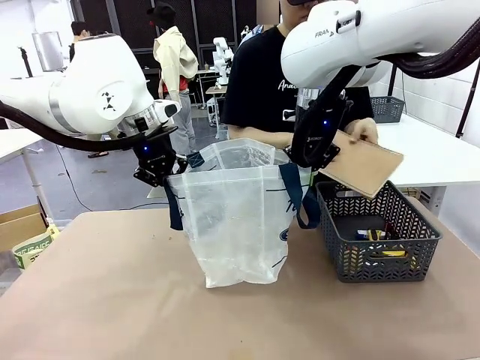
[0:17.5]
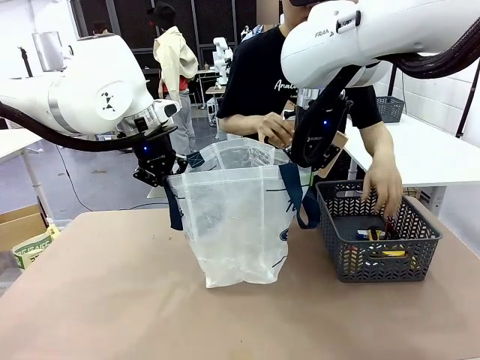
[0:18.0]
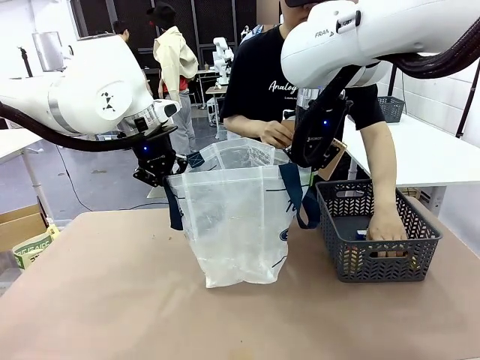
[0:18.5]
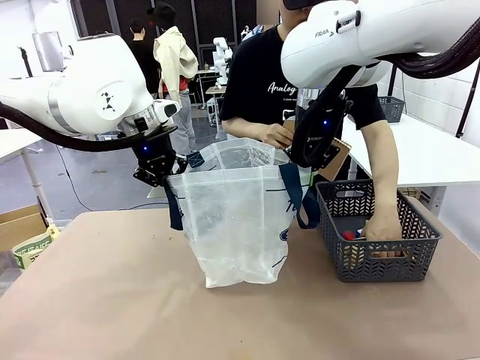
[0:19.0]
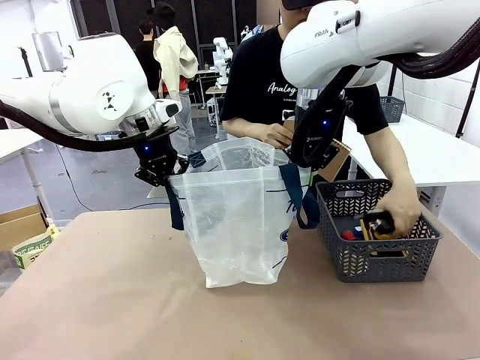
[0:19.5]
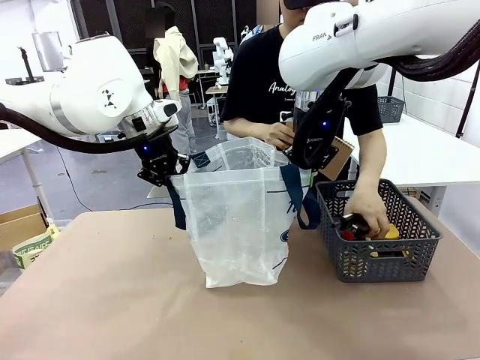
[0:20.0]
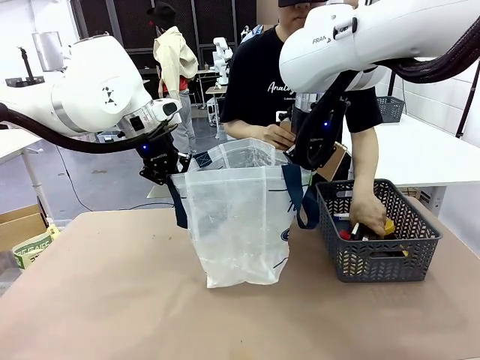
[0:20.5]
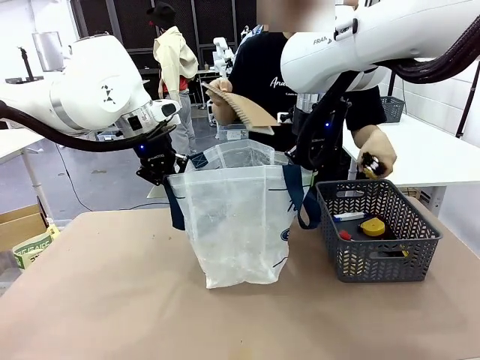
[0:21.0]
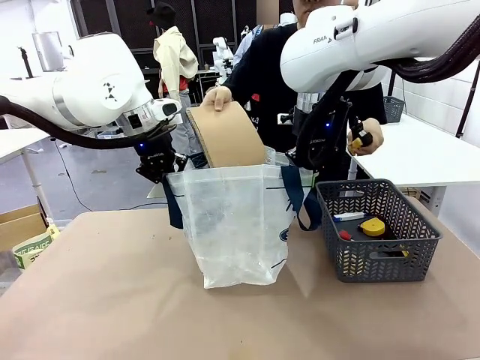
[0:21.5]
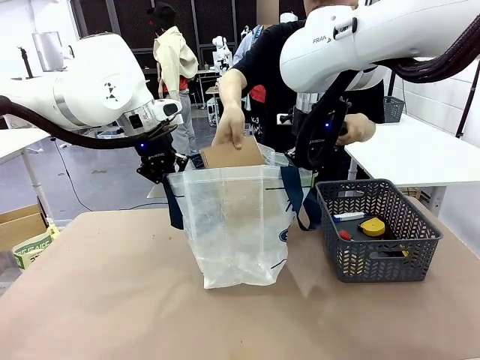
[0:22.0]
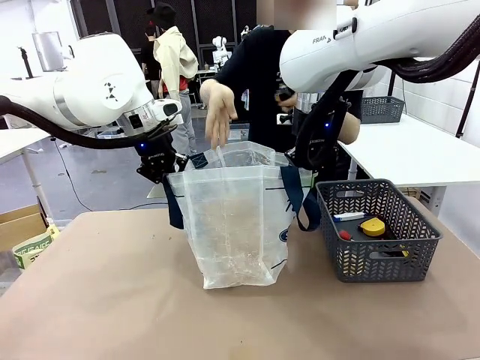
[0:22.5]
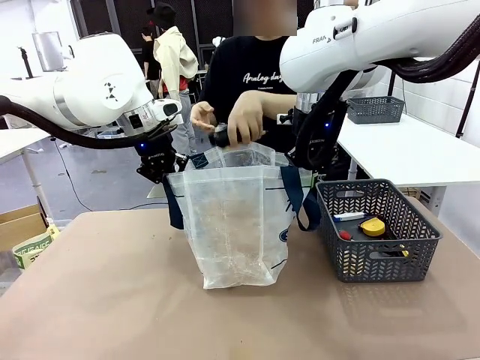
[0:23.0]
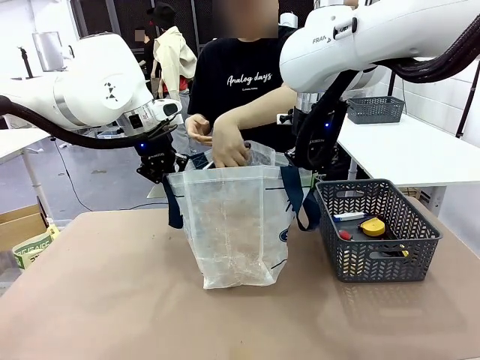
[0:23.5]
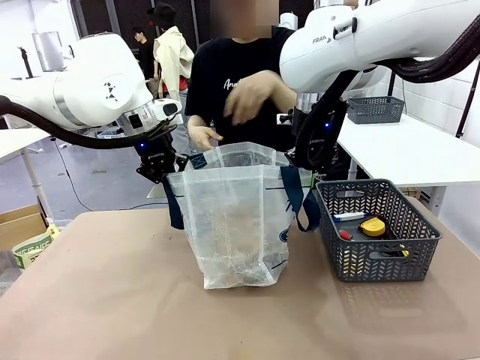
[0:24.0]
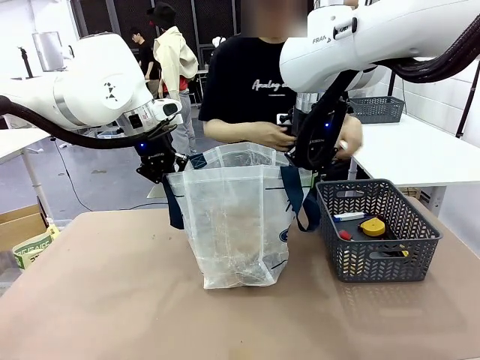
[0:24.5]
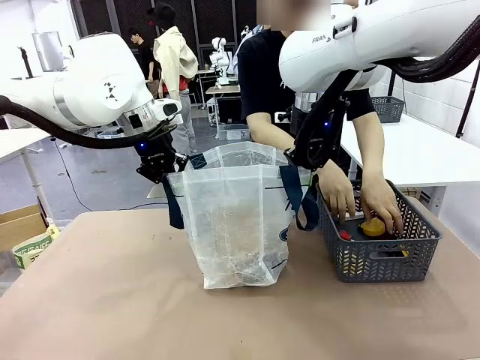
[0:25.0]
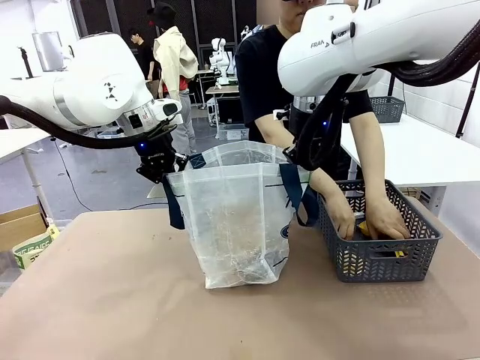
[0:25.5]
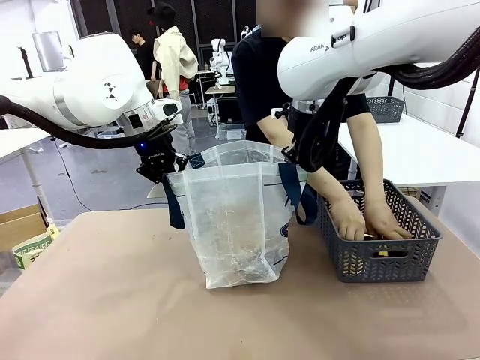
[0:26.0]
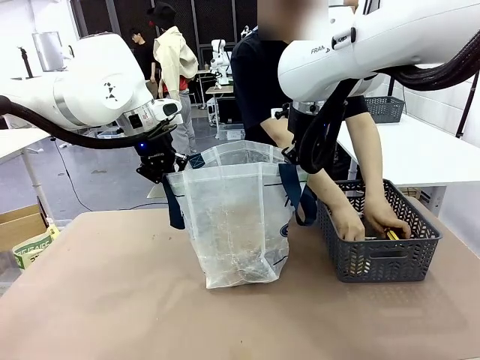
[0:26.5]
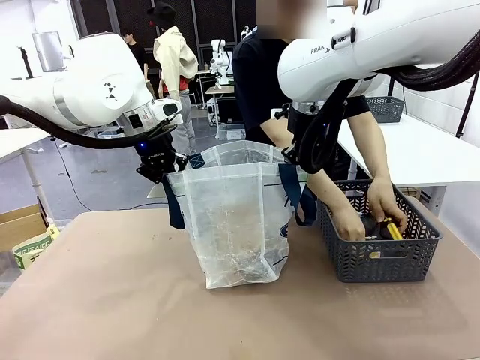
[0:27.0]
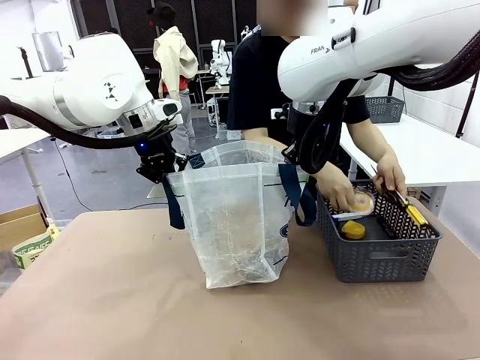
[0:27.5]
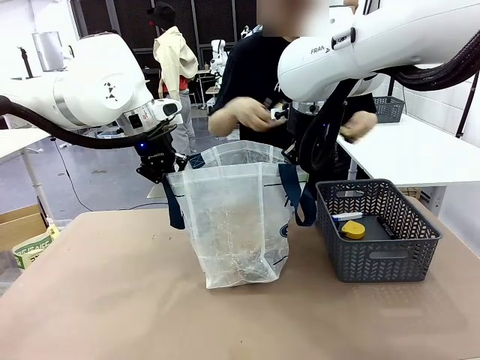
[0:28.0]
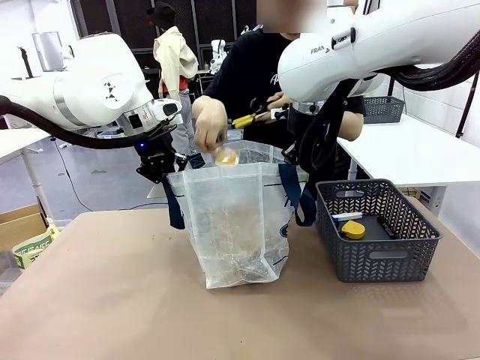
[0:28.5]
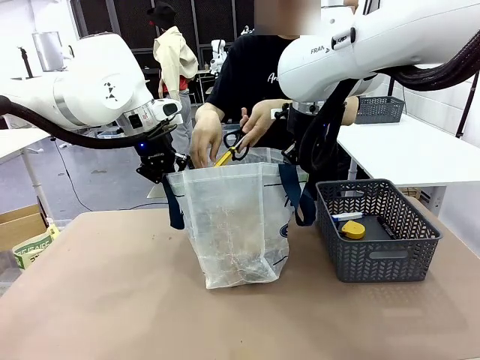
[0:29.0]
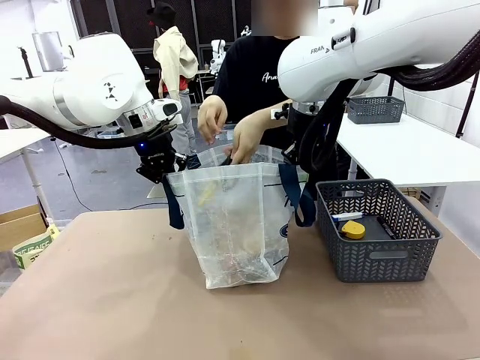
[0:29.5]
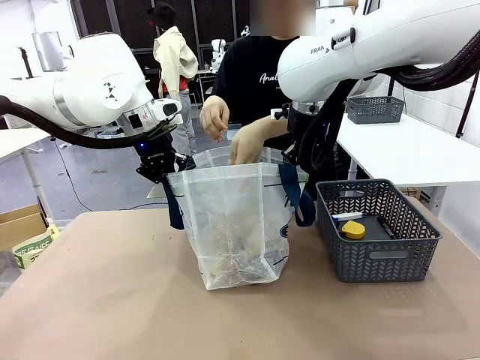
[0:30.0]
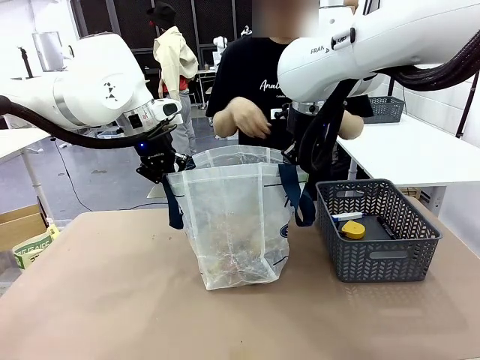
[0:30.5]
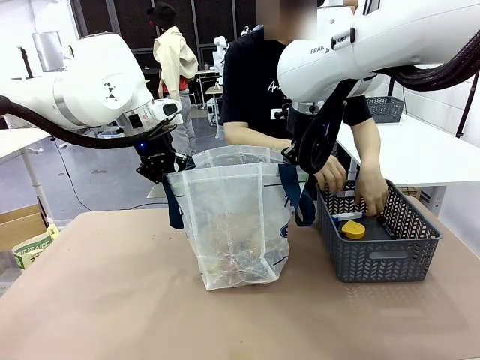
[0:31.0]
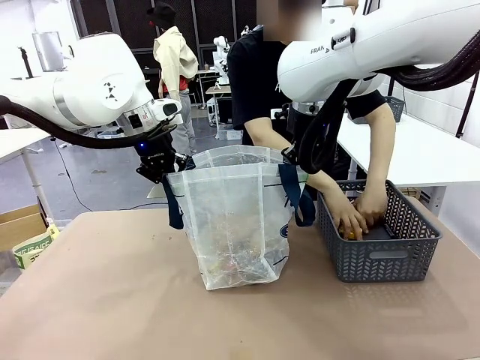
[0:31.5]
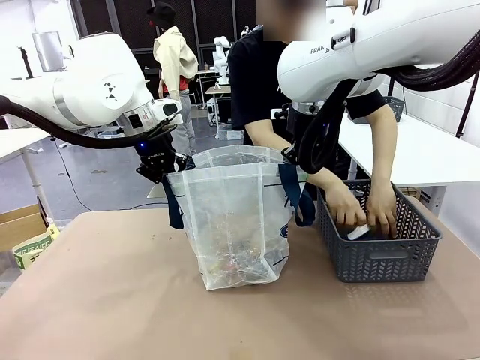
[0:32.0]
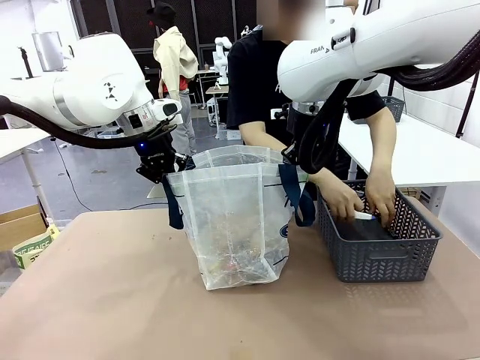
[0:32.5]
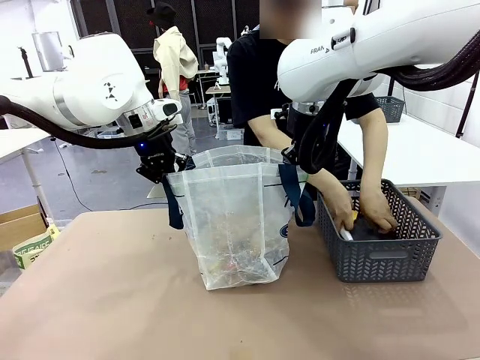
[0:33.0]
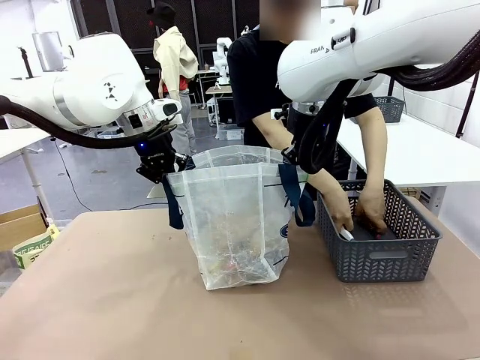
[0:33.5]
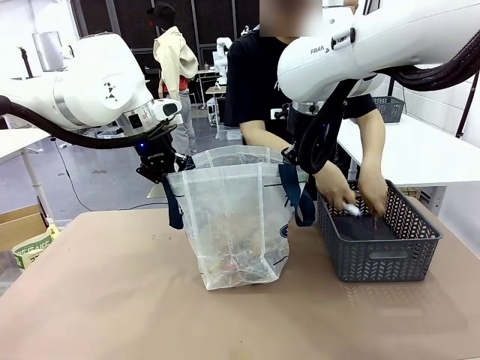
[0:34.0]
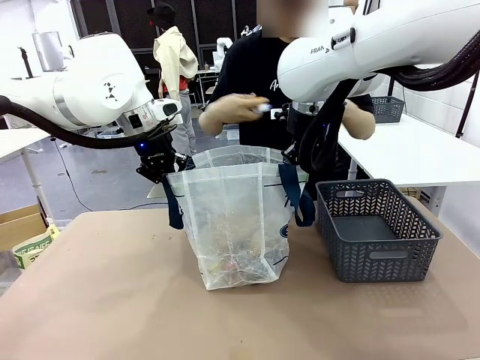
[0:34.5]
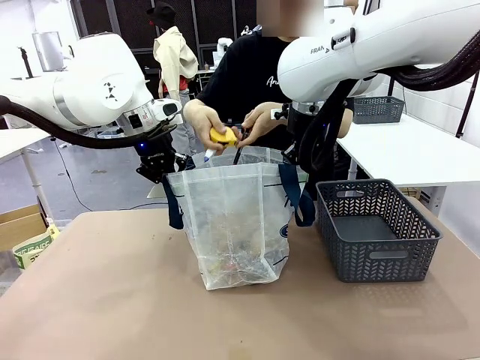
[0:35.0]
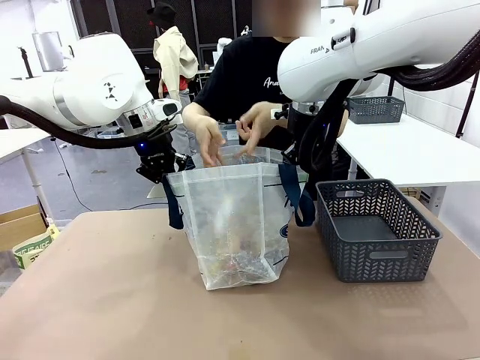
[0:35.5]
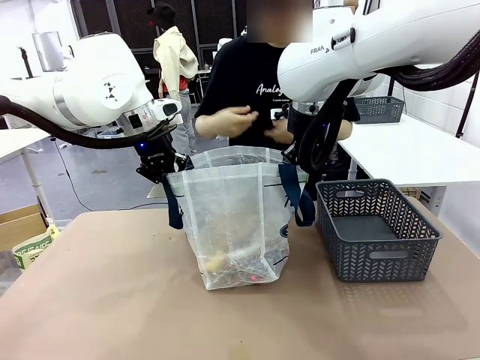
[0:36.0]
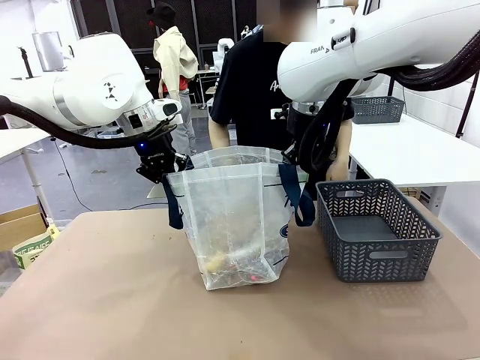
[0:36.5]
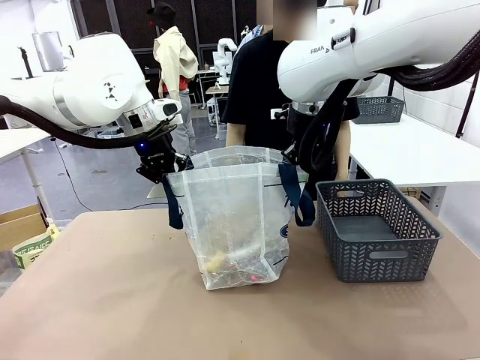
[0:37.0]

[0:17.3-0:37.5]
Task: Transfer purchased items from the store into the shopping bag.
Robot: Move the Reusable shopping bag to the right side of the table.
Person: Pick up the basket on the right, place it on the left side of the robot table, and move the items in the basket to the shopping bag.

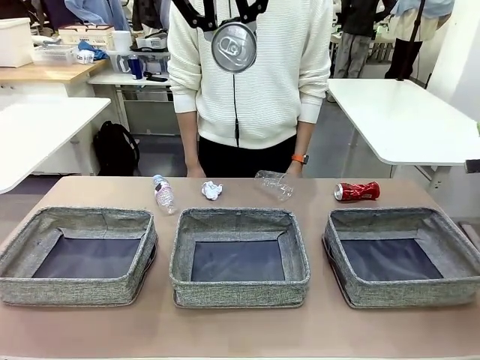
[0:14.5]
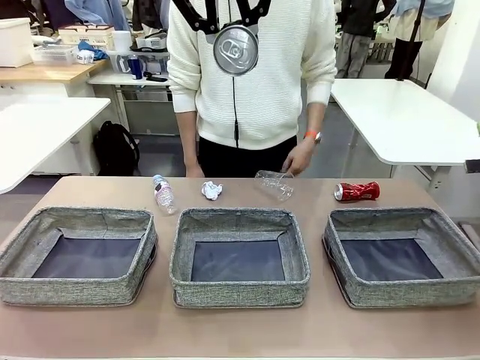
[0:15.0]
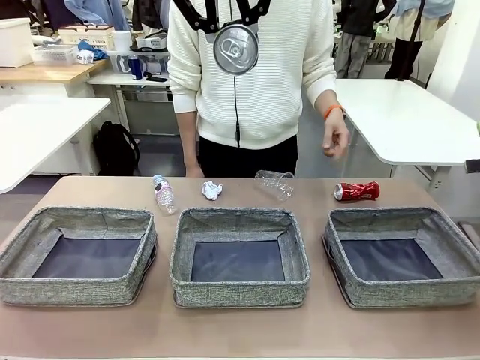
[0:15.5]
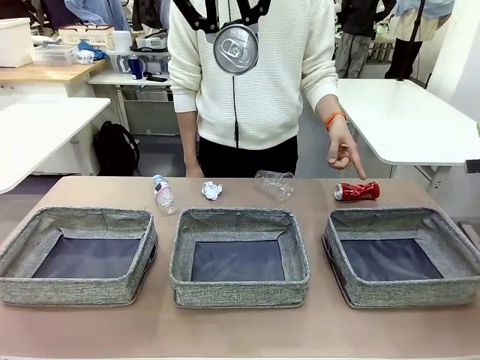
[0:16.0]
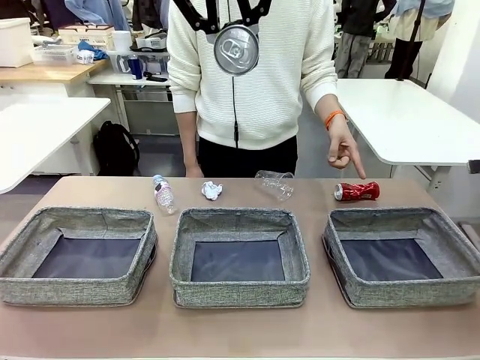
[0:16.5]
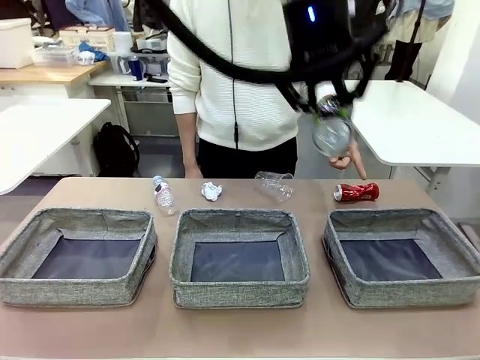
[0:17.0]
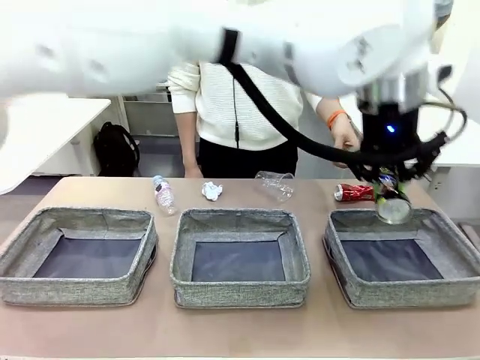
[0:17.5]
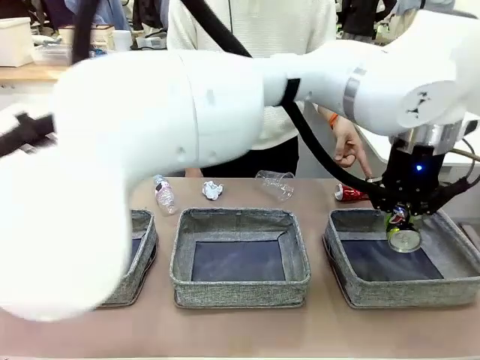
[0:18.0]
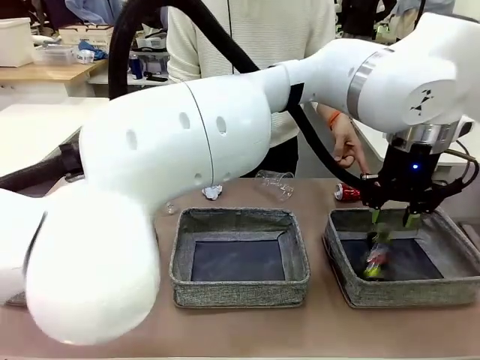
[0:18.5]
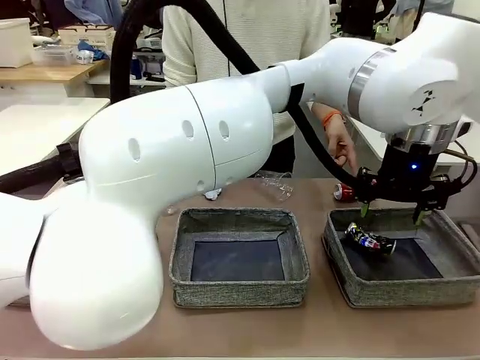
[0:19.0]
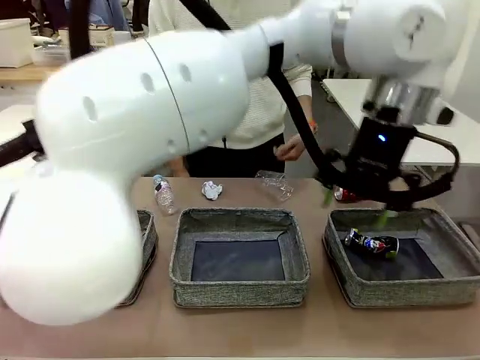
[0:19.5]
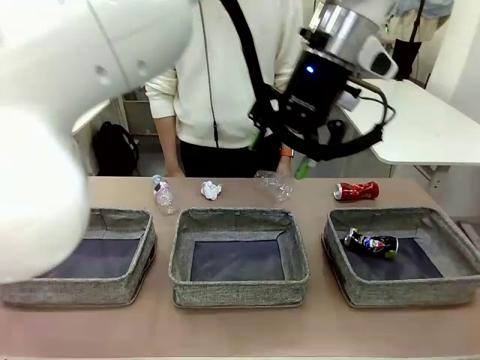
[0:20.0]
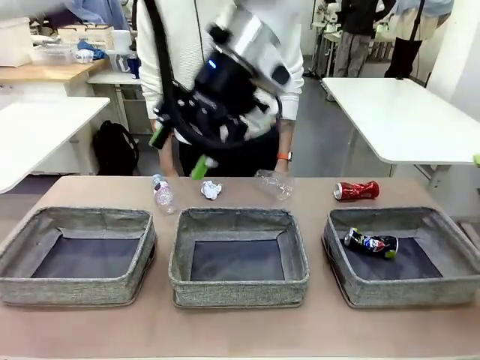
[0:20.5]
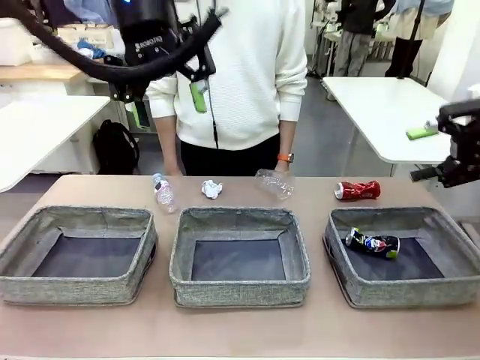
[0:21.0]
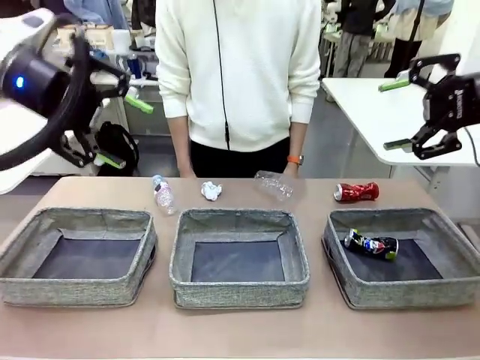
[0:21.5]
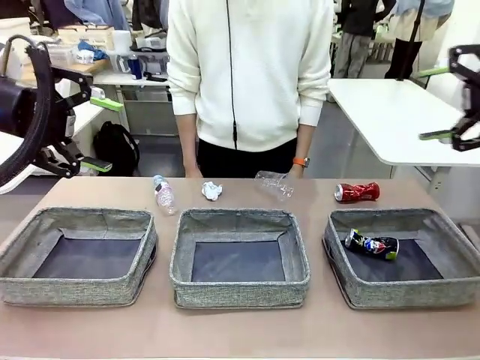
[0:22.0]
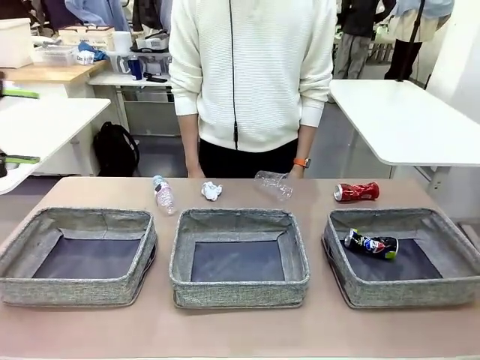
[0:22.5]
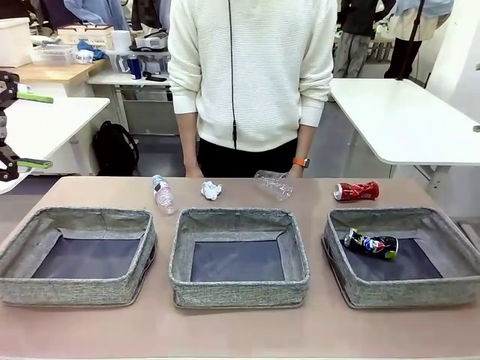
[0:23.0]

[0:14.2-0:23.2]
Task: Sort the waste into the appropriate baskets.
Robot: Place the picked waste into the Fabric basket indicated by the person.
Person: Instructs the robot to place the picked-up trash into the appropriate organizing basket.
